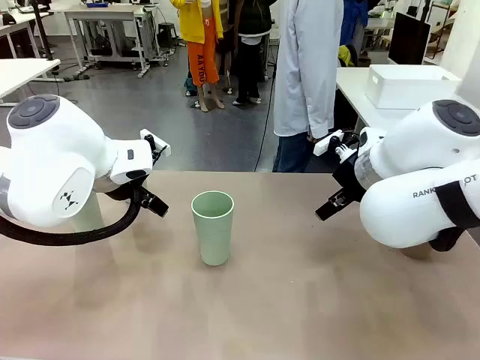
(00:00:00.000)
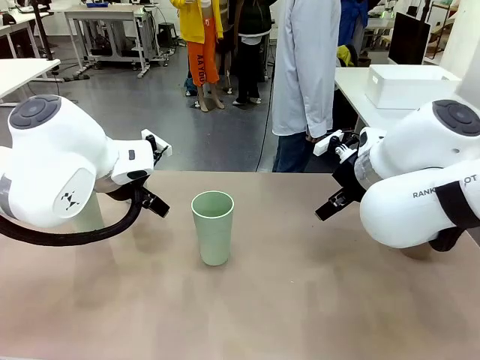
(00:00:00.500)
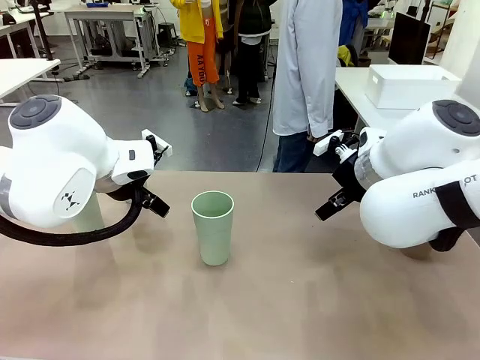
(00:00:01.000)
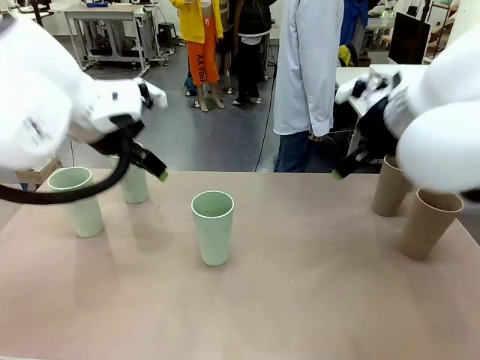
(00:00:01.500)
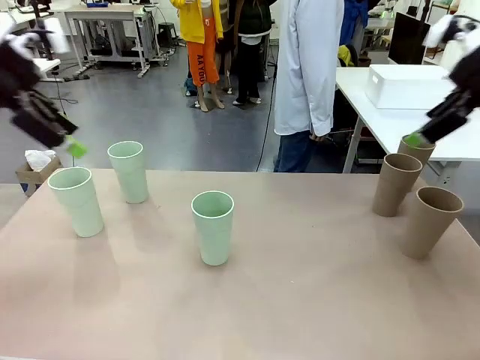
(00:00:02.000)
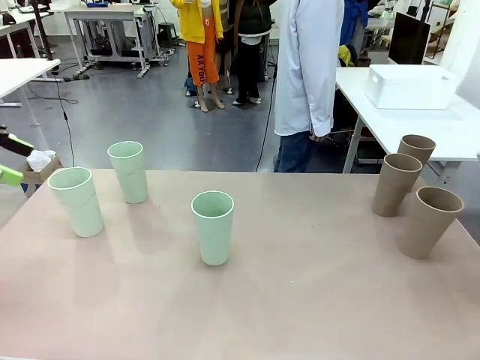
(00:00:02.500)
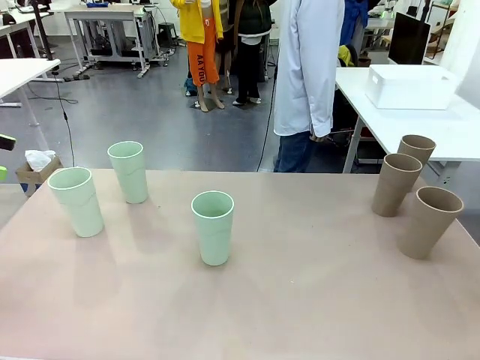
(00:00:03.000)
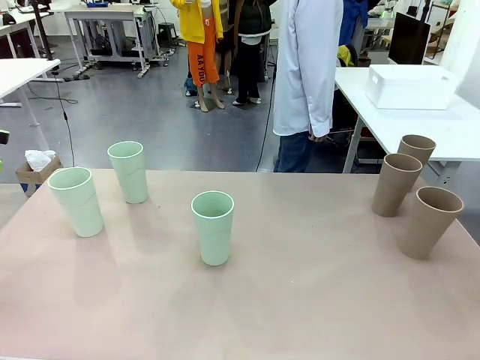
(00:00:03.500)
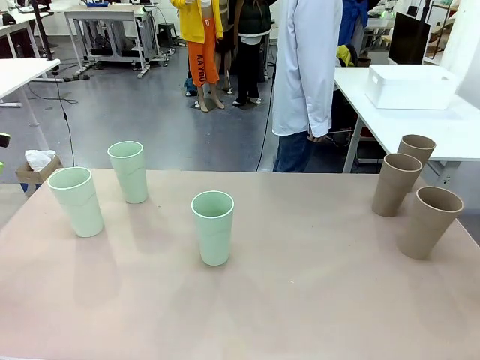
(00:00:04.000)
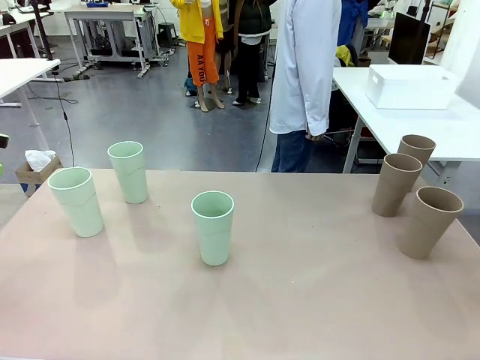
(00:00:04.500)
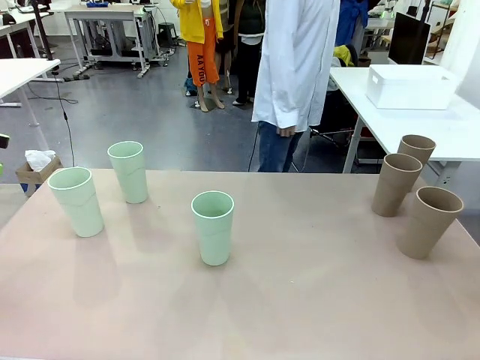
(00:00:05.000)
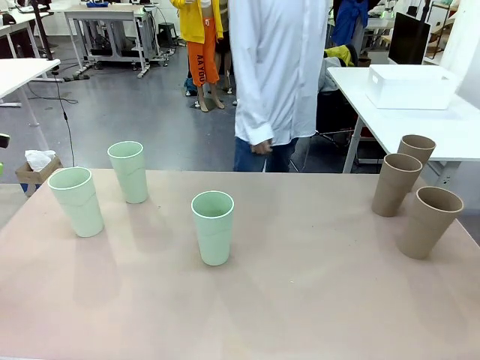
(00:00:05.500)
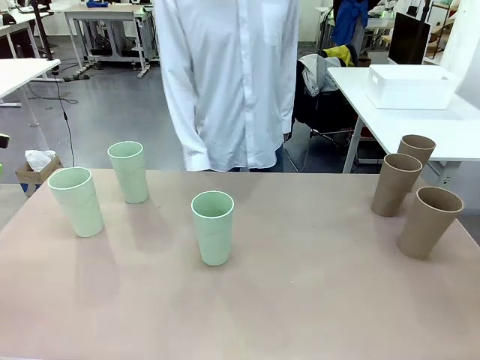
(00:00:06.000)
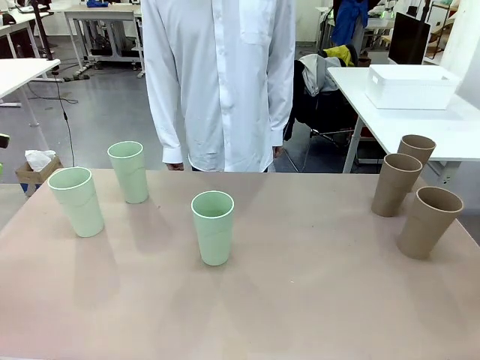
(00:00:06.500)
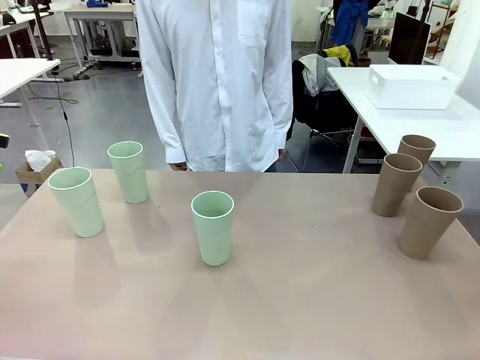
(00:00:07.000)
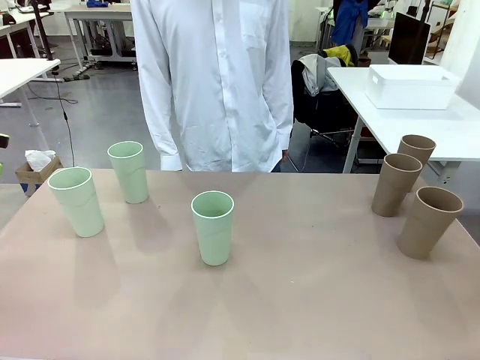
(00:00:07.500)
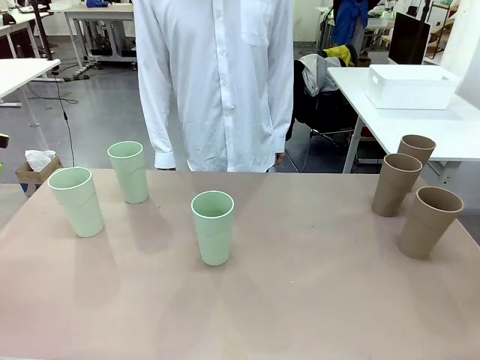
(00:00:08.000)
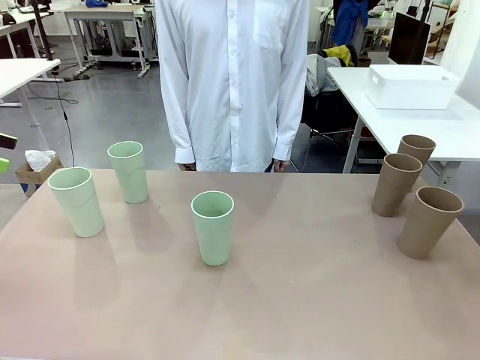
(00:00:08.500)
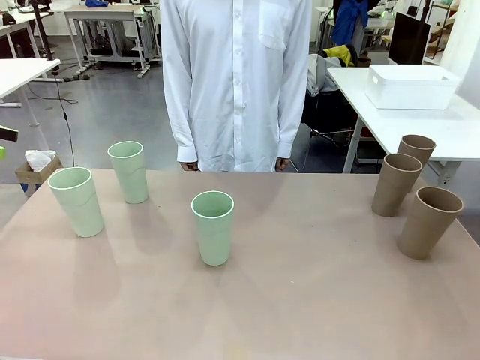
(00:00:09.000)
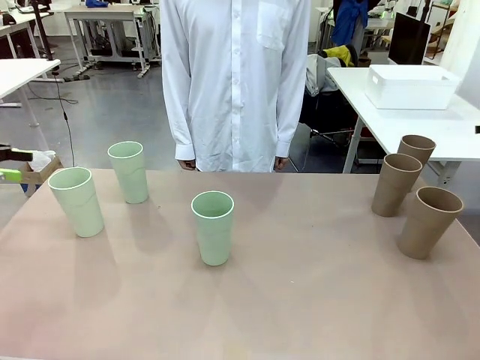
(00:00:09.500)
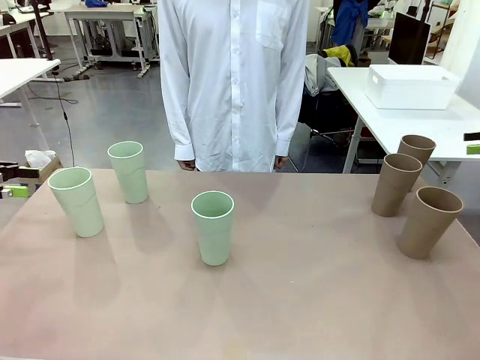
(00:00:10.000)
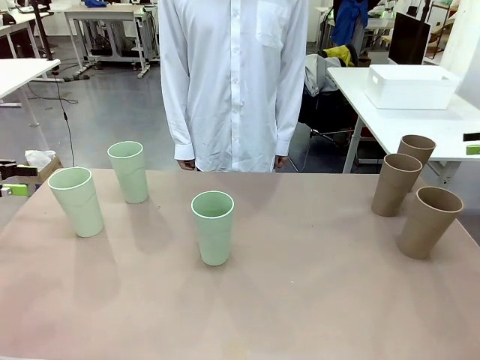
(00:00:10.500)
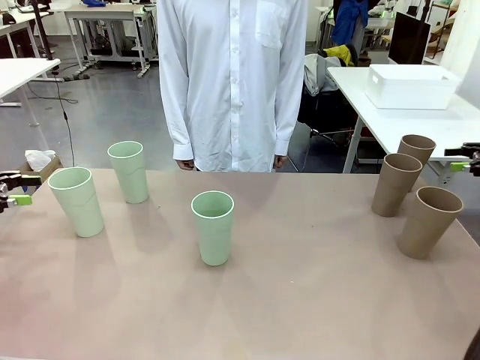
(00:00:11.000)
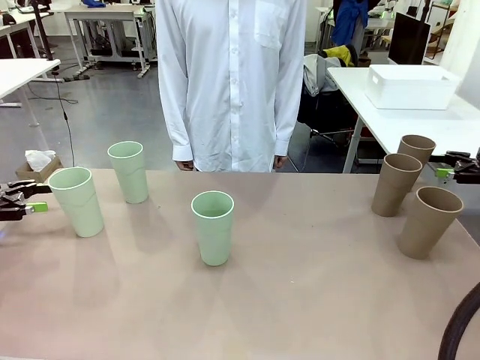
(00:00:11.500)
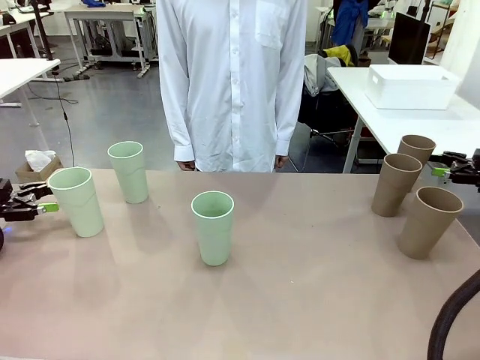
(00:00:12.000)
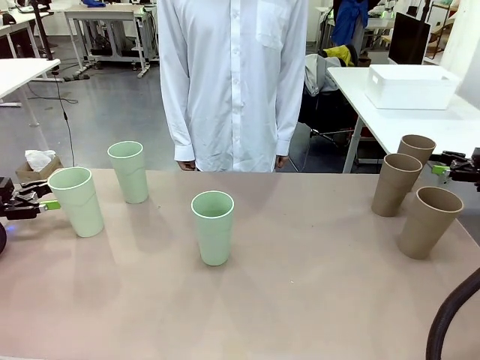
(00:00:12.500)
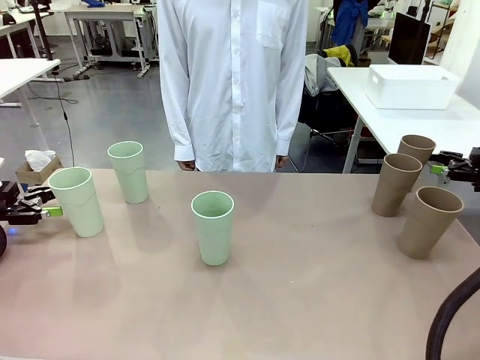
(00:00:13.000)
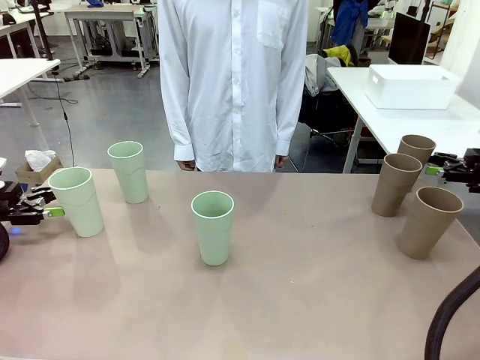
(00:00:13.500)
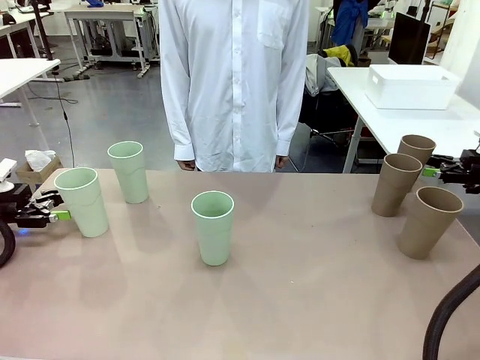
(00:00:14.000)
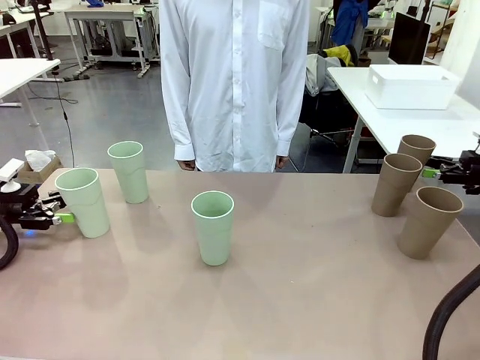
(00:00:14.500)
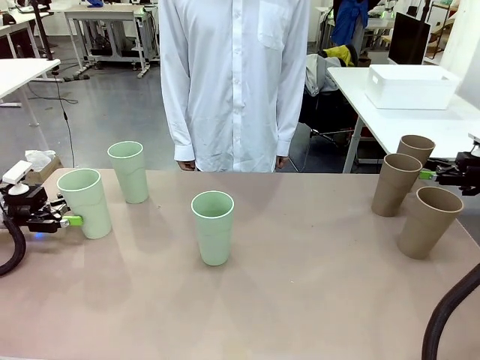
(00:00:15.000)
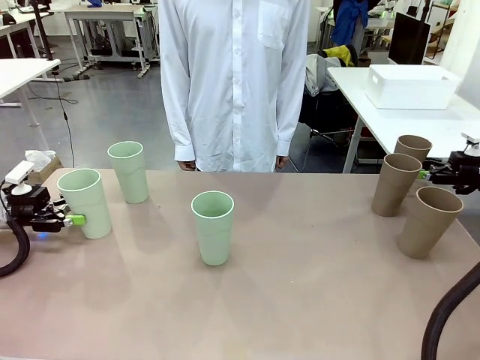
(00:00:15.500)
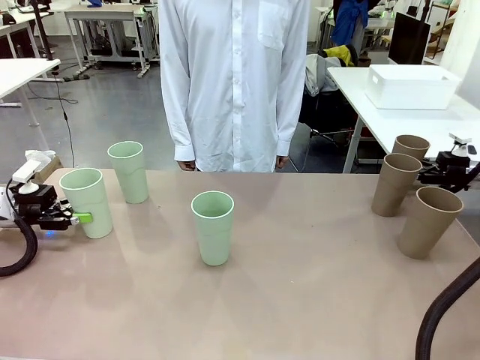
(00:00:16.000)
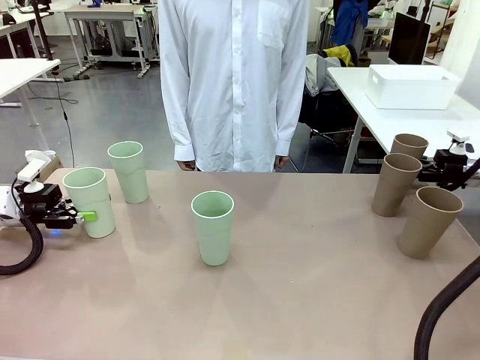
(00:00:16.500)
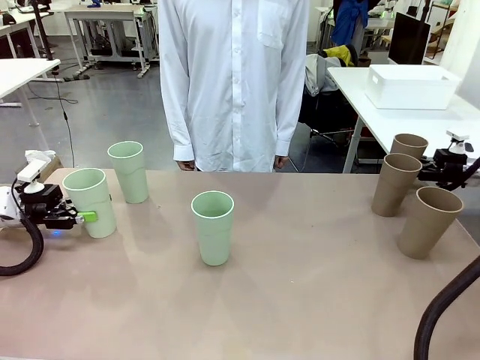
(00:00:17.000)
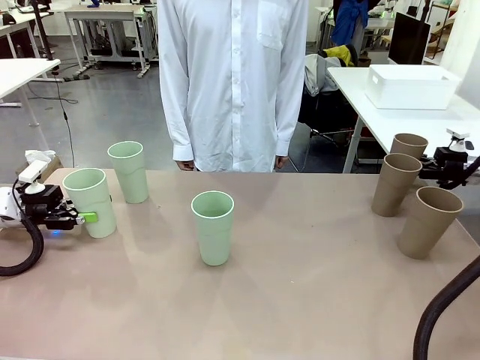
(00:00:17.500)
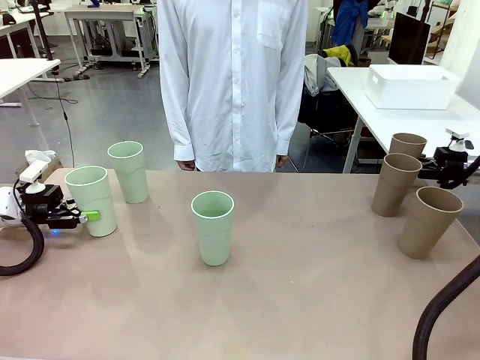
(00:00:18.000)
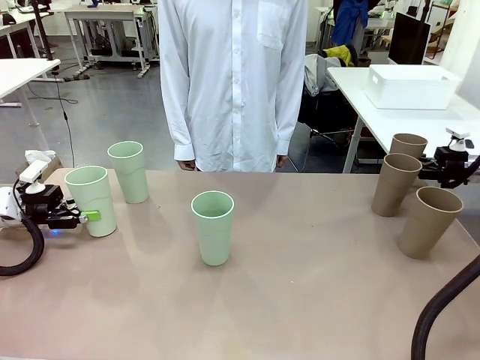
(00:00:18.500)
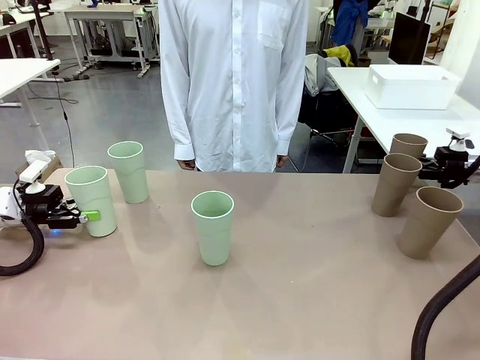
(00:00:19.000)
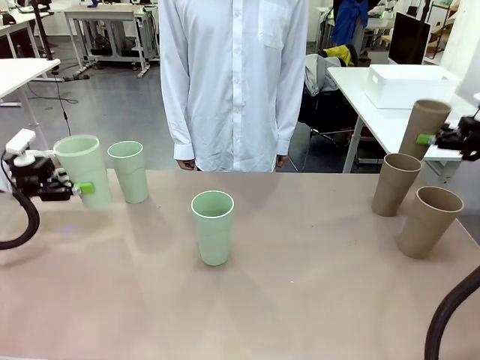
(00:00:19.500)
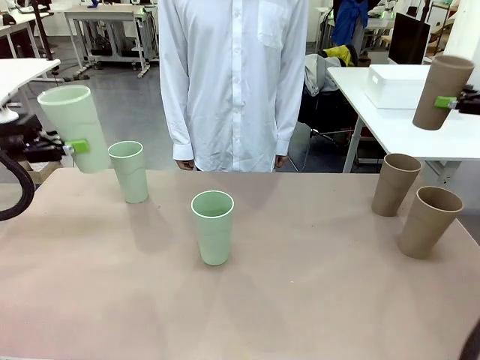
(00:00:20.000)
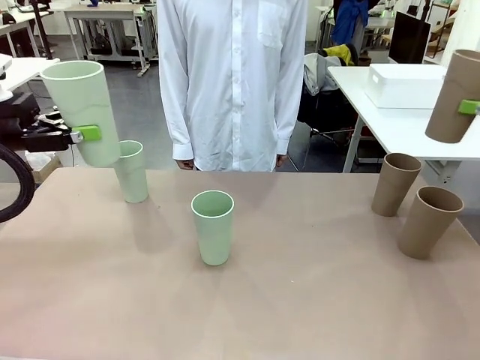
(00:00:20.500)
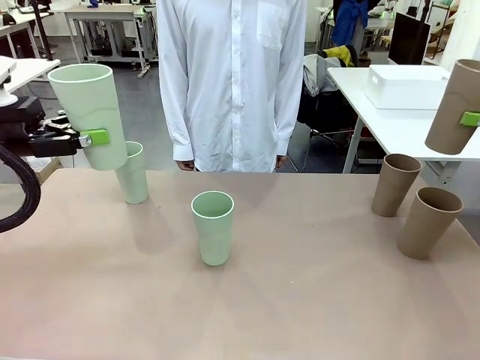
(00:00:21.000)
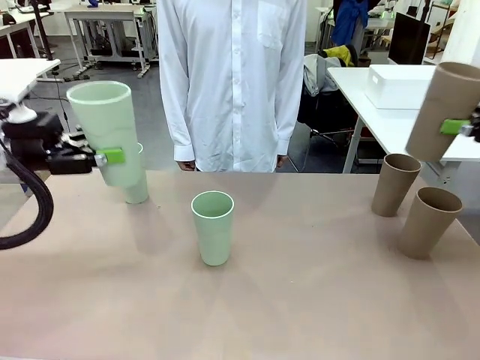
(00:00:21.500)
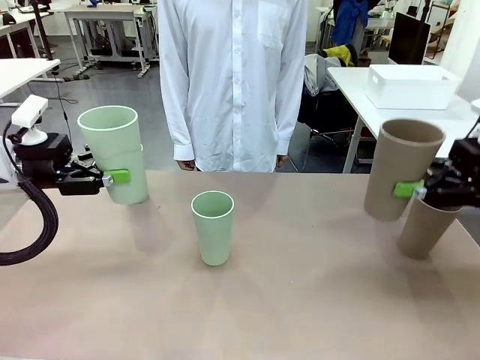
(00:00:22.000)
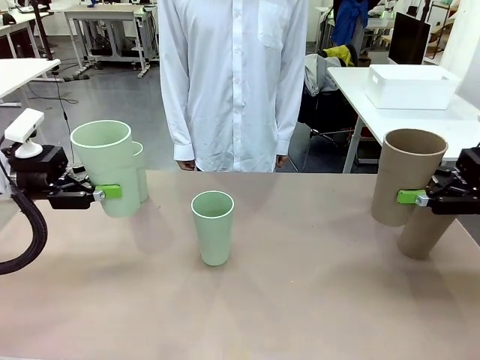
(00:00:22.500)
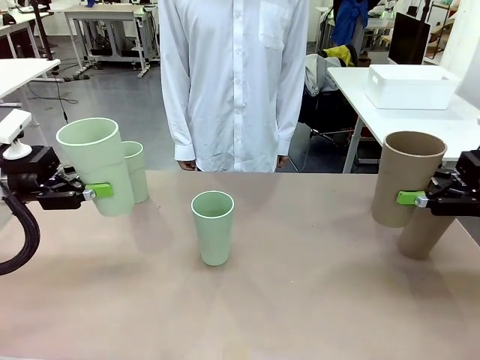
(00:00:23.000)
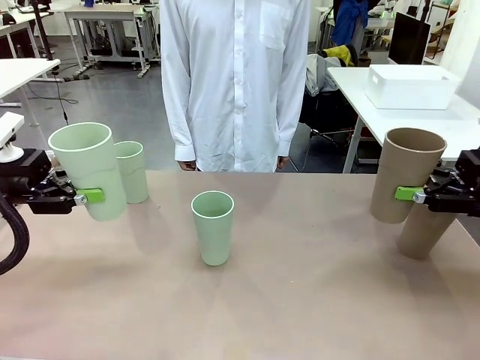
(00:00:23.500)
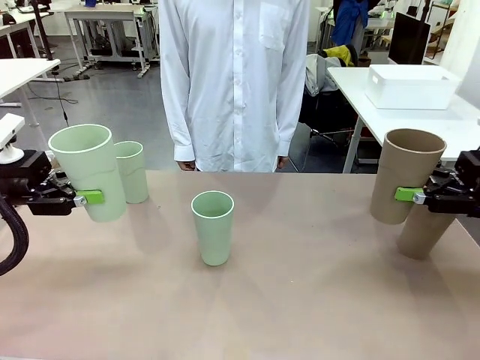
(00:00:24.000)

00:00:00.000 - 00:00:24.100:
Task: Stack the cups and store them in the basket.
Robot: Pick up two Reusable plastic cups , one in each hand.
Person: Move from the Human Table to the front of the Robot Table. Stack two of the remaining cups on top of each cup held by the robot.
